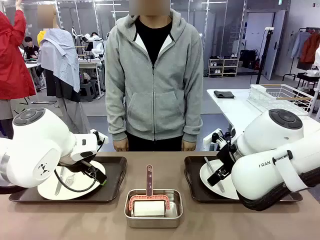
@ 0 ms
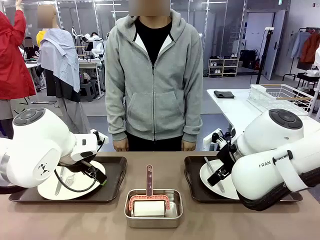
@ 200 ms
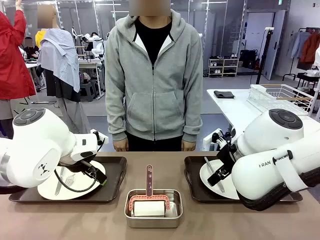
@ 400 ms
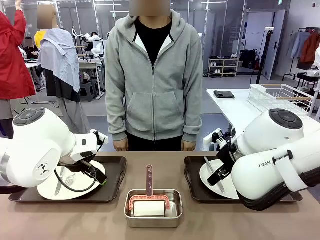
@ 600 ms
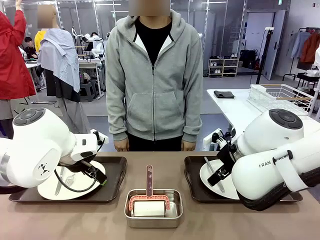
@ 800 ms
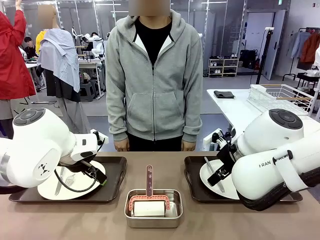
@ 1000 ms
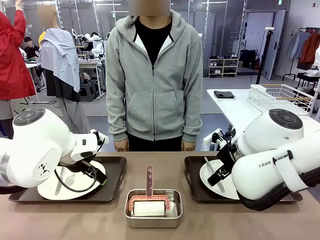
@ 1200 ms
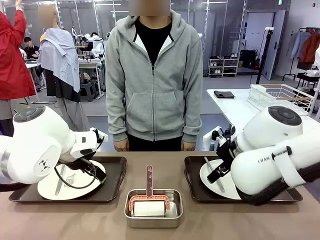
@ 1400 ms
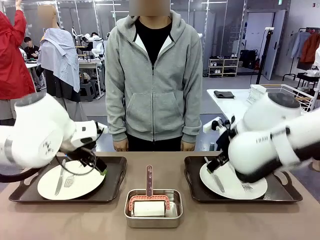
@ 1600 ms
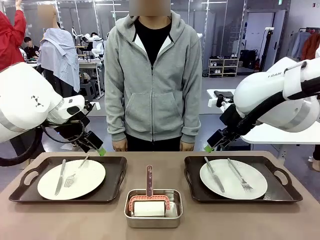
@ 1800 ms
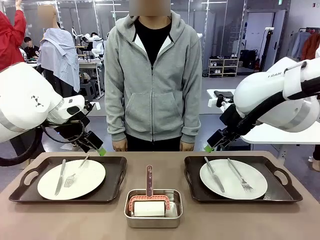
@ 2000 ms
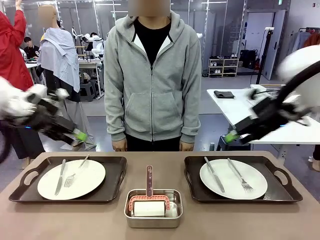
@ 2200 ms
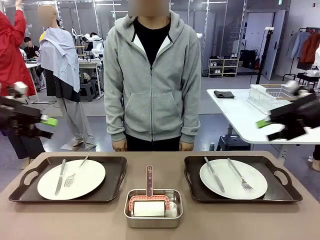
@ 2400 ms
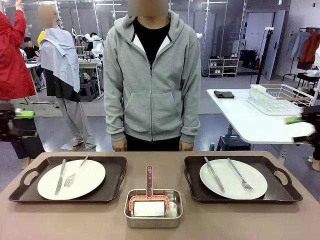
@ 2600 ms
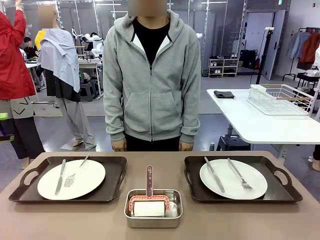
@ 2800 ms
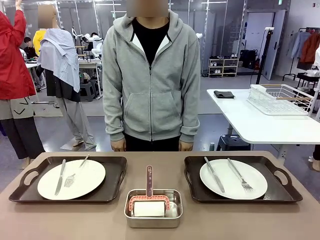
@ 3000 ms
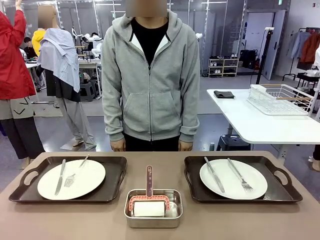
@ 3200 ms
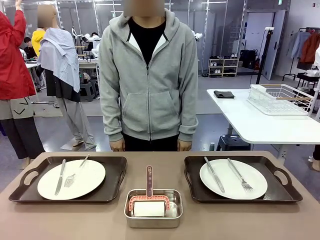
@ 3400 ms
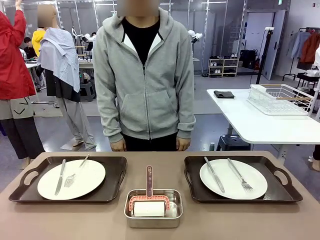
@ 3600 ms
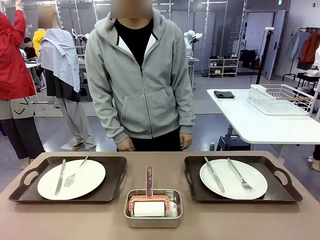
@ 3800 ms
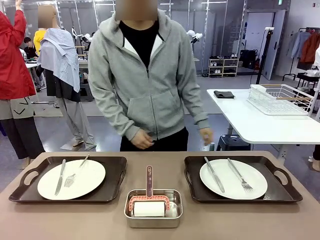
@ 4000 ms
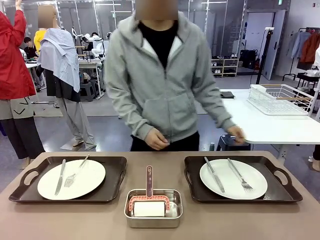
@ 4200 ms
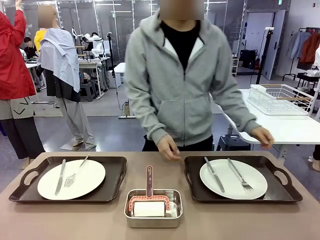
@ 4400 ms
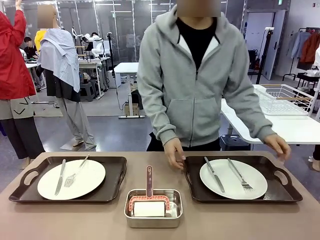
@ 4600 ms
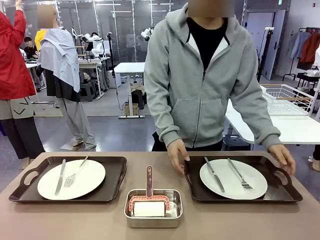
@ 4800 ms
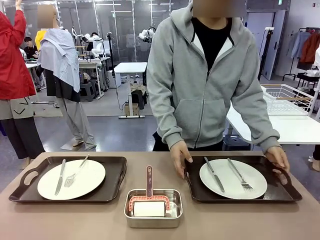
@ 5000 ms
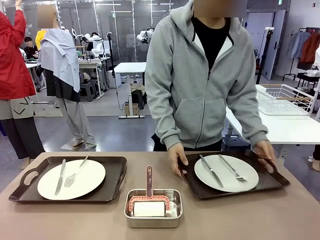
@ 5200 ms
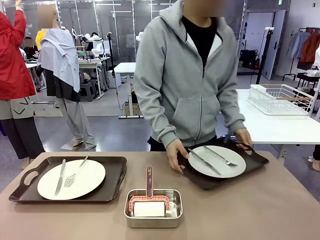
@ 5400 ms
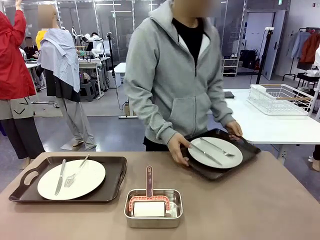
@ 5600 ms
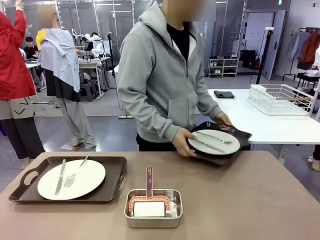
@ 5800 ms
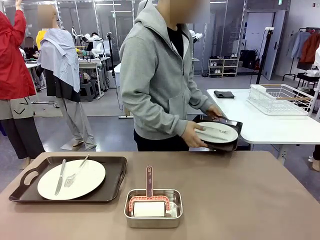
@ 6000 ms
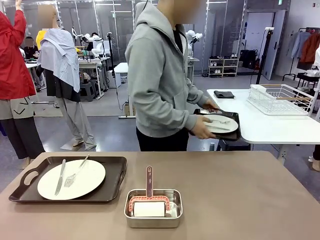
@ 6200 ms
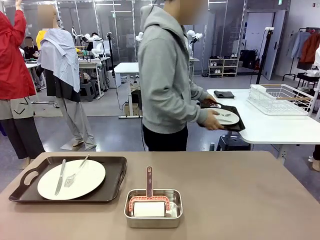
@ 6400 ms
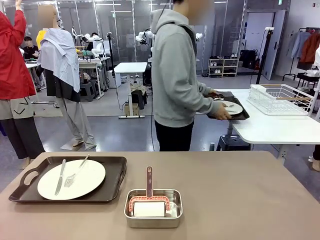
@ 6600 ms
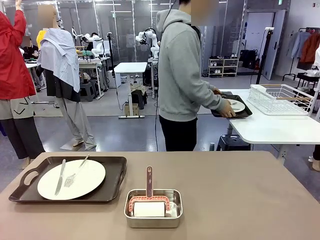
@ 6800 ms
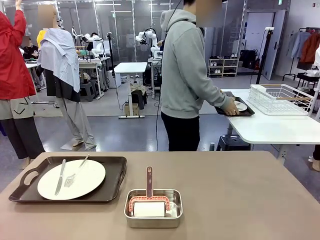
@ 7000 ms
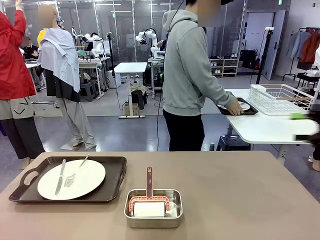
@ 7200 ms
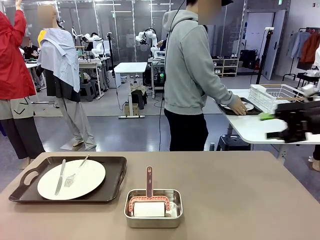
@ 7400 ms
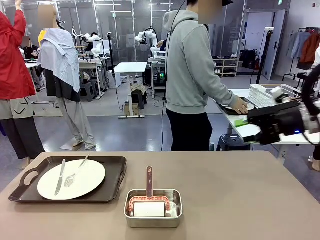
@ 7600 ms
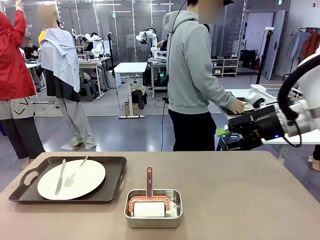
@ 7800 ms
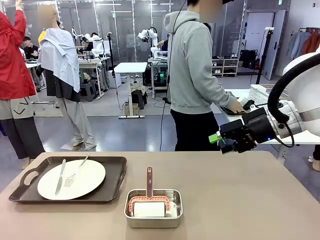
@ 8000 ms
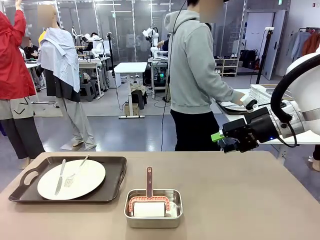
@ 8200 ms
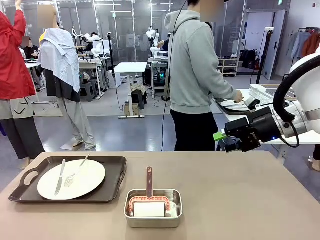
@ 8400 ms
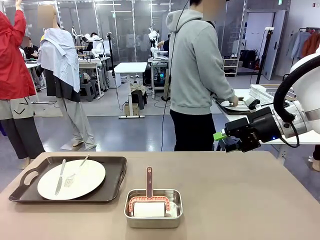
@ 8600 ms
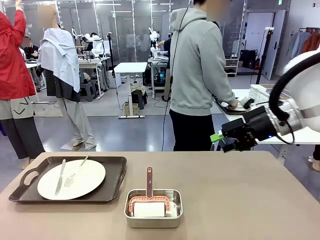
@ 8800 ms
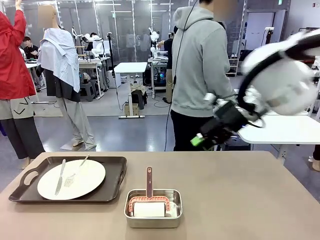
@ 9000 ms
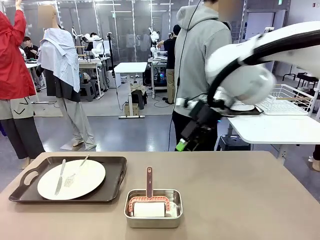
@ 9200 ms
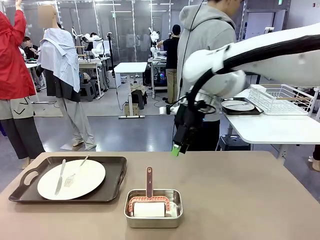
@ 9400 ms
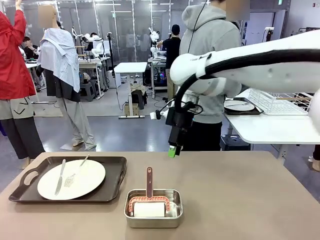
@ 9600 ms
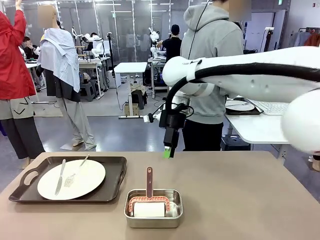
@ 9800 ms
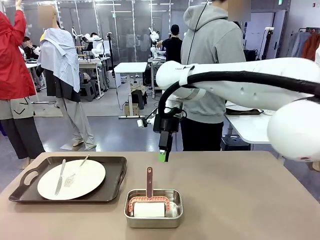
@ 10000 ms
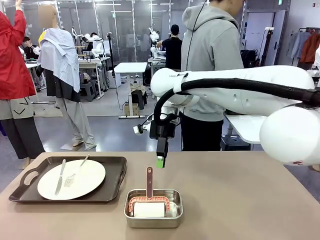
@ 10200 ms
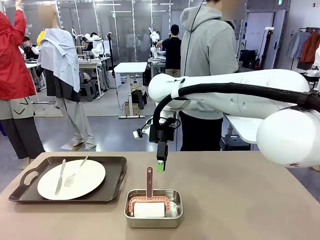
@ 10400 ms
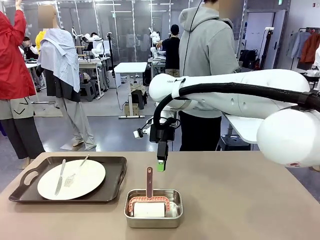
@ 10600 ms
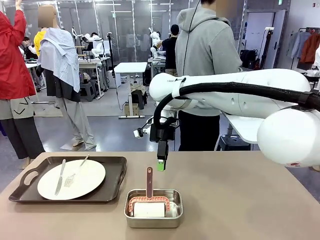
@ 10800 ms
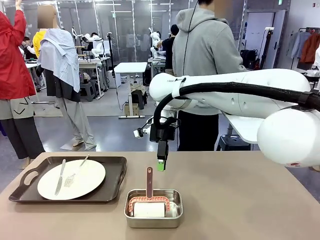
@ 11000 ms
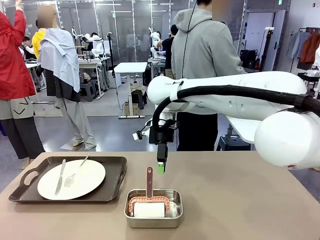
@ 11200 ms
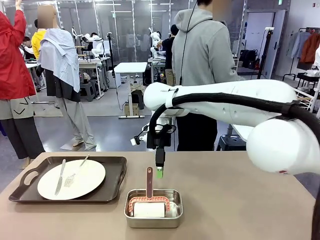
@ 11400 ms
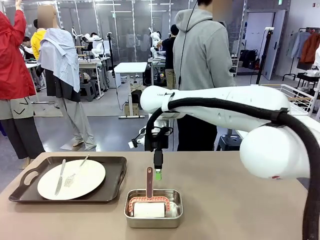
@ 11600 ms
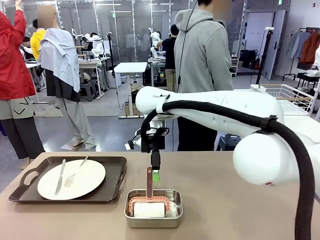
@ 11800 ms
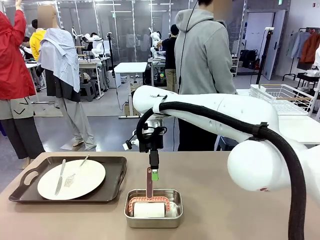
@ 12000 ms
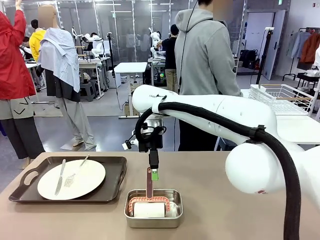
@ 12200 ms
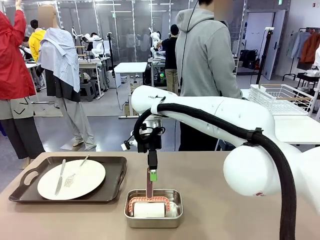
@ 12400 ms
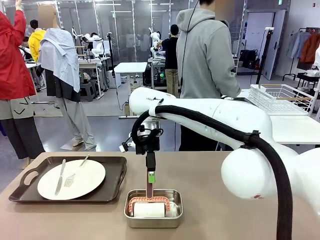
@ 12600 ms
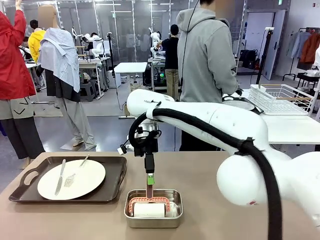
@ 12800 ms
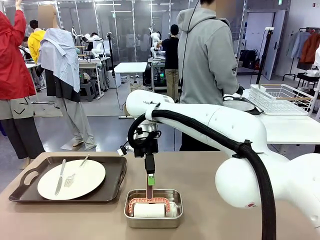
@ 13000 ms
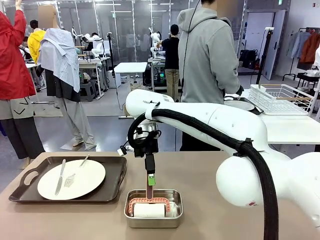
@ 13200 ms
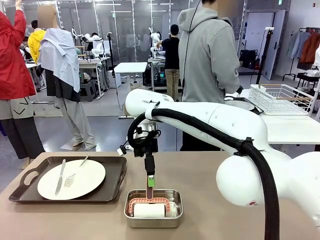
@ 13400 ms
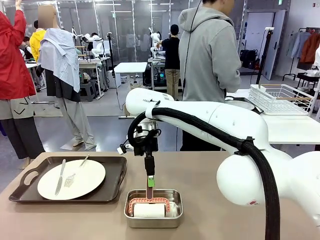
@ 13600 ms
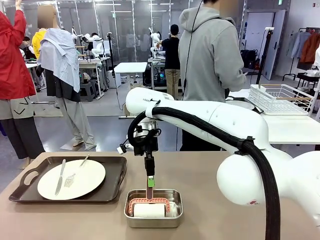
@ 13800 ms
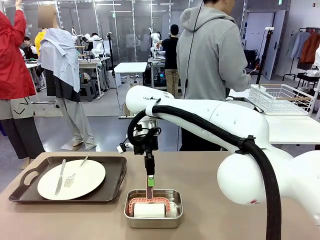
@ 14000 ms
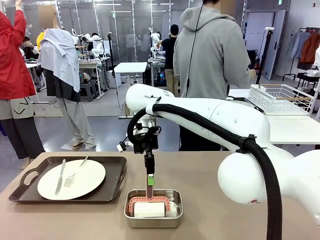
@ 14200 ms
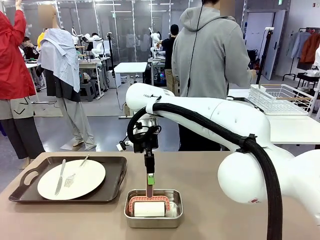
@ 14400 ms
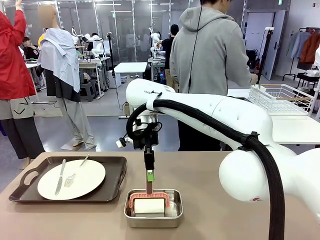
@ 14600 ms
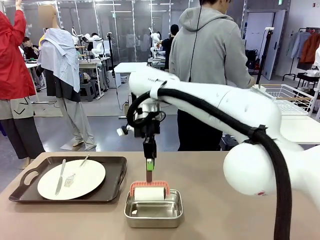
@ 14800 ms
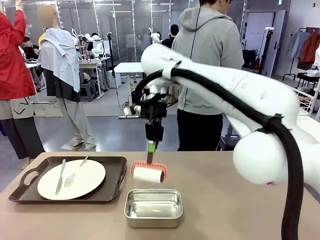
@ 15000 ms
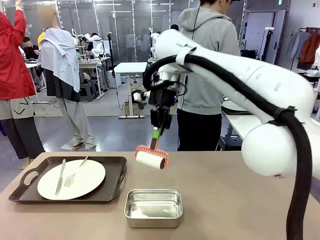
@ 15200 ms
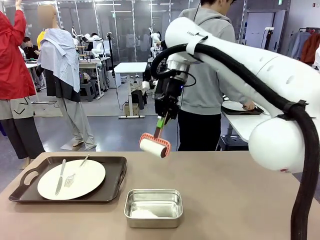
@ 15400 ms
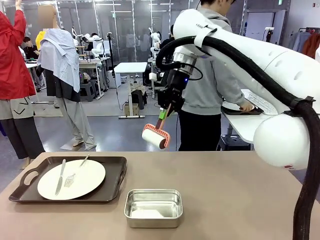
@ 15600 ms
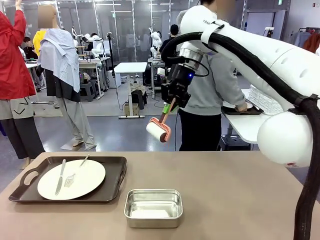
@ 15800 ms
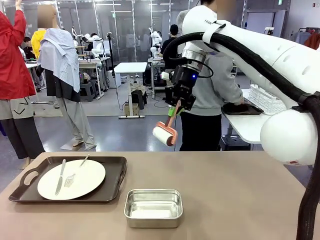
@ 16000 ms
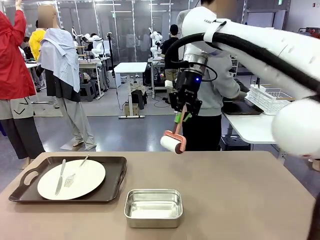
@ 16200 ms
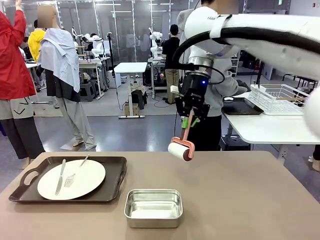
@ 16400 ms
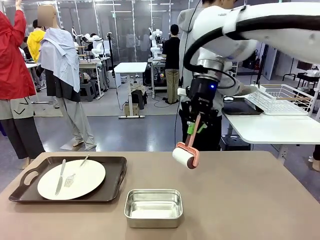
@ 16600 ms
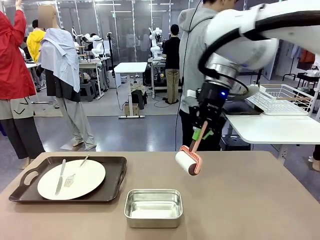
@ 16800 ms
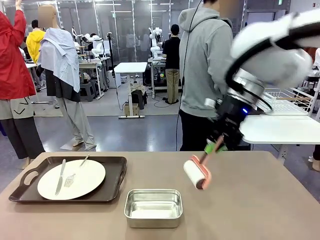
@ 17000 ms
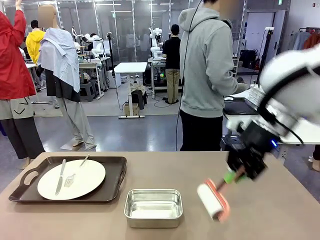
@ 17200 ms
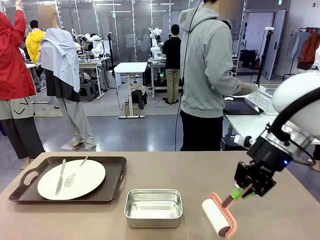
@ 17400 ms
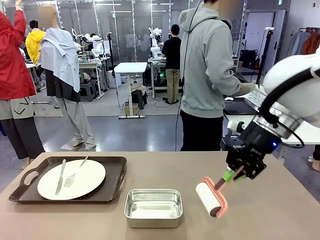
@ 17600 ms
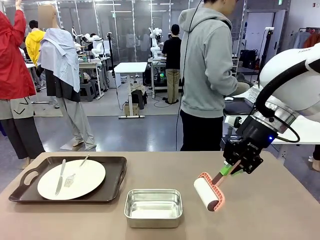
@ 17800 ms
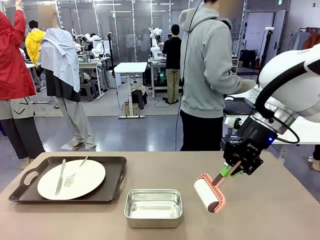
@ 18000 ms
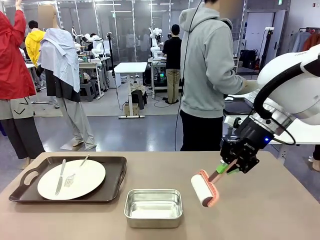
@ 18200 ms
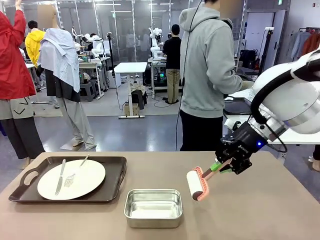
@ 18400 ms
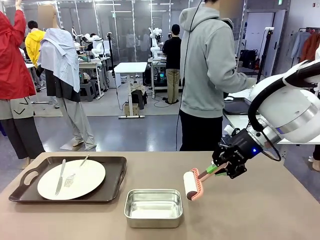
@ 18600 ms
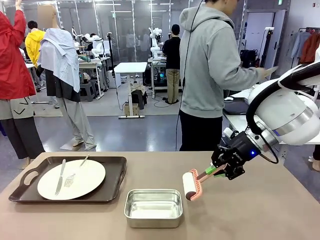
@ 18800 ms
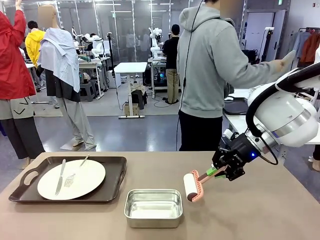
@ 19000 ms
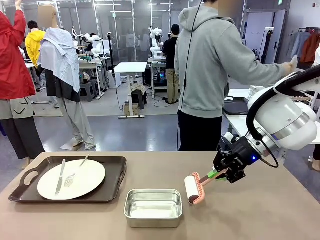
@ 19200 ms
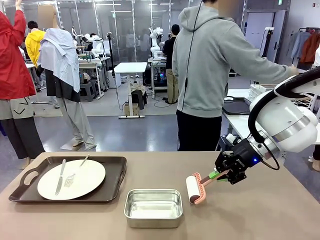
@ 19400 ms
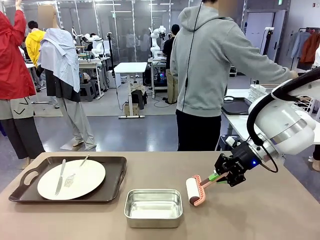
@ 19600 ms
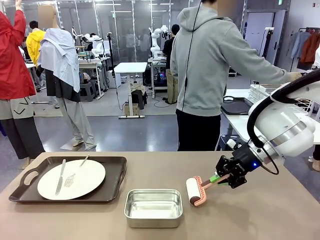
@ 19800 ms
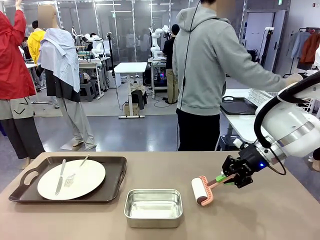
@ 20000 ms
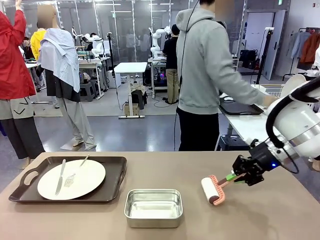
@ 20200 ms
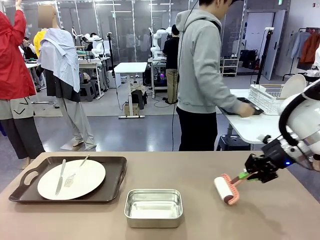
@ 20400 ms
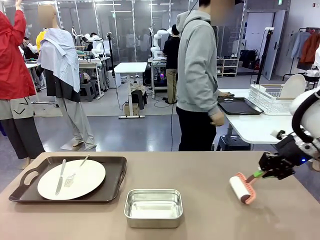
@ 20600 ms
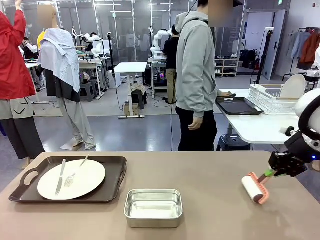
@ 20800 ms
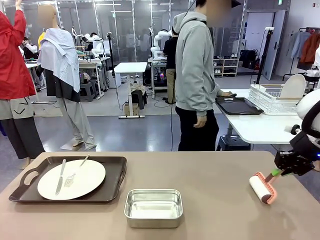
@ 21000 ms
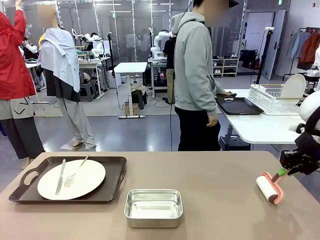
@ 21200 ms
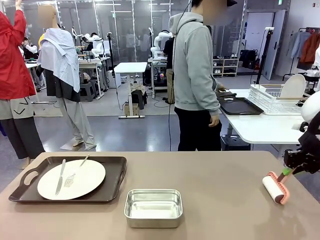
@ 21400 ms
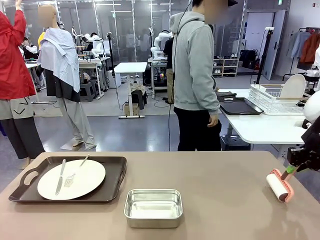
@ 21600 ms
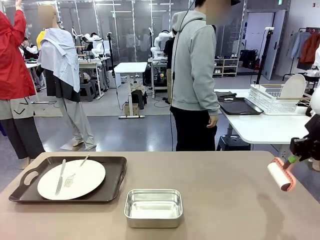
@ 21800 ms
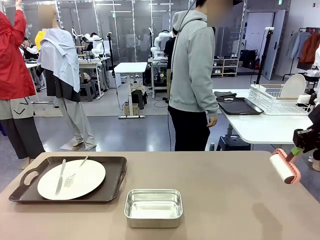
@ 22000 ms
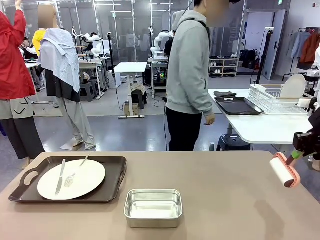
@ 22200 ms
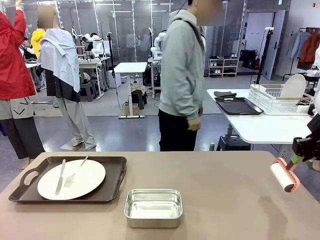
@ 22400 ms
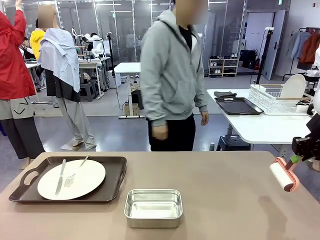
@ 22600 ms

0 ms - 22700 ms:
Robot: When the left (or right) Handle tray is removed, use the left hand (or right hand) to clean the left (or right) side of the table with the Lint Roller.
Person: Pick up the left (or right) Handle tray and place it on the middle of the Human's table. Use the Towel with hook to wipe the Plastic Matte Plate , Fork , and Knife and place into the Dish drying rack.
